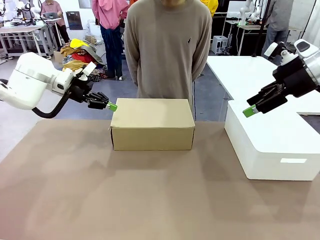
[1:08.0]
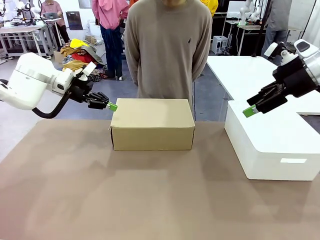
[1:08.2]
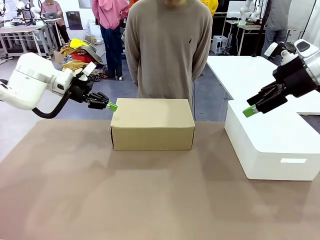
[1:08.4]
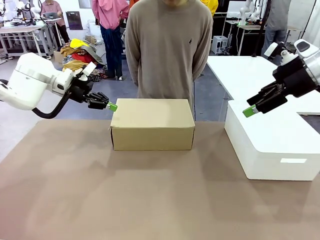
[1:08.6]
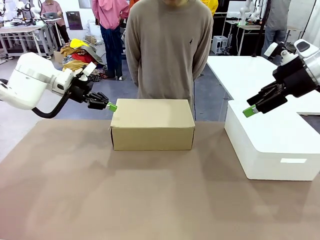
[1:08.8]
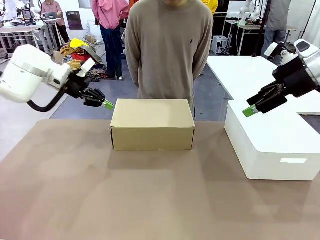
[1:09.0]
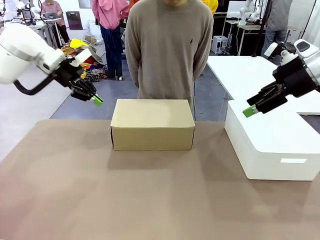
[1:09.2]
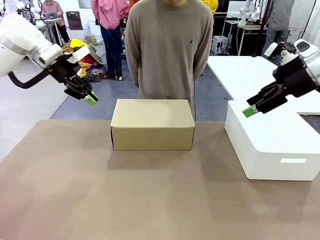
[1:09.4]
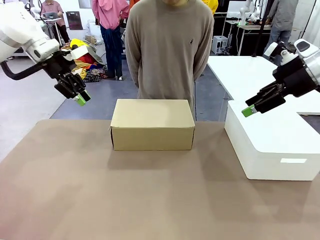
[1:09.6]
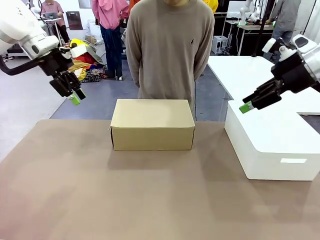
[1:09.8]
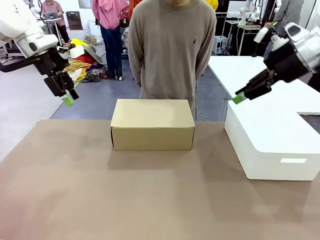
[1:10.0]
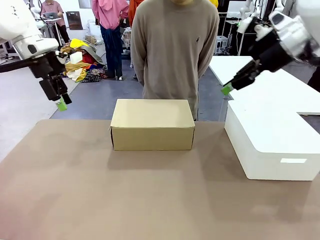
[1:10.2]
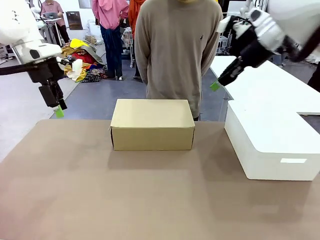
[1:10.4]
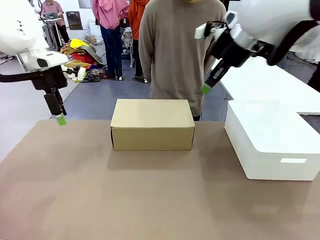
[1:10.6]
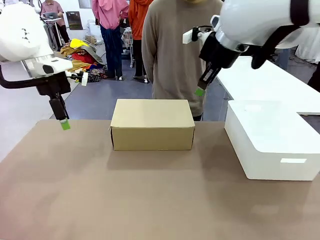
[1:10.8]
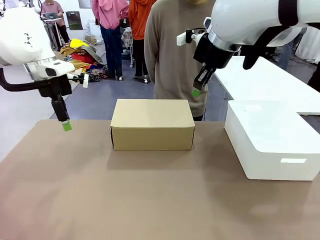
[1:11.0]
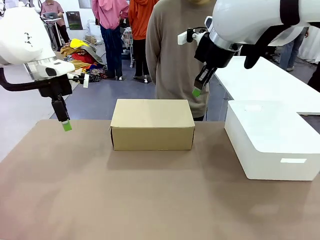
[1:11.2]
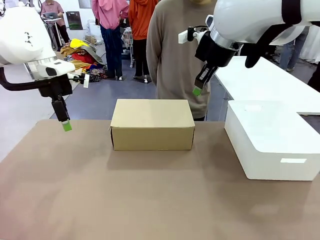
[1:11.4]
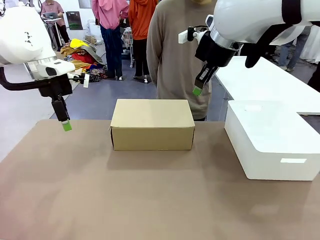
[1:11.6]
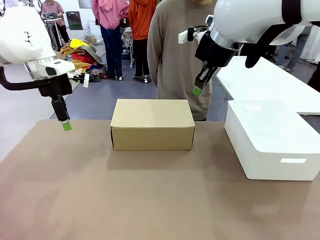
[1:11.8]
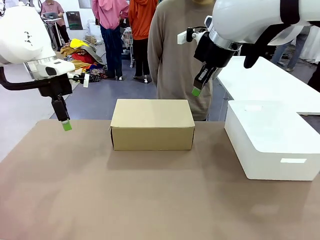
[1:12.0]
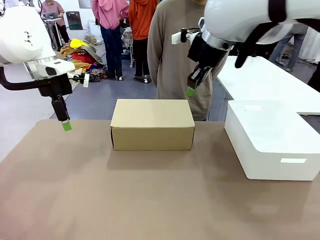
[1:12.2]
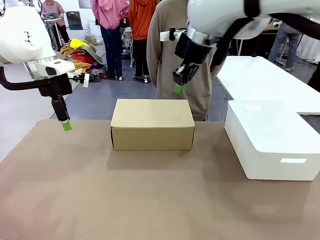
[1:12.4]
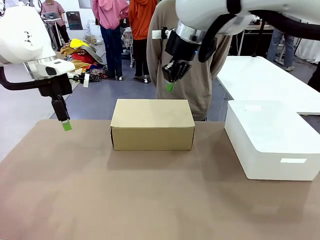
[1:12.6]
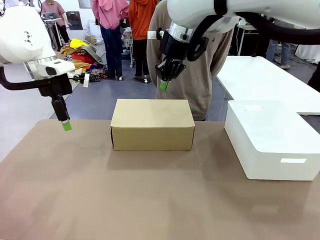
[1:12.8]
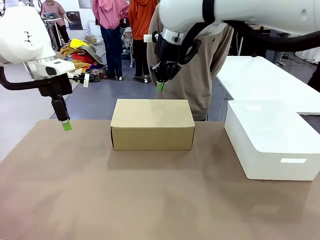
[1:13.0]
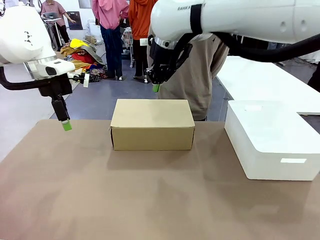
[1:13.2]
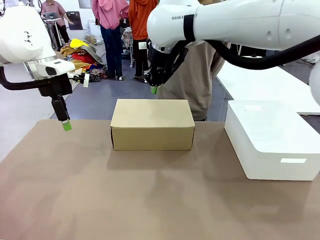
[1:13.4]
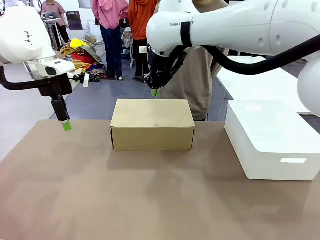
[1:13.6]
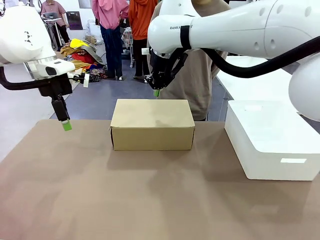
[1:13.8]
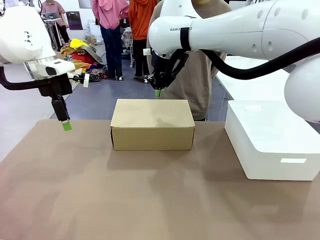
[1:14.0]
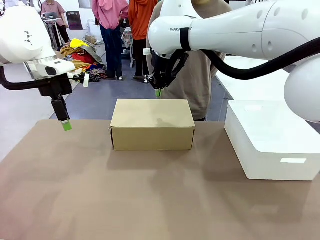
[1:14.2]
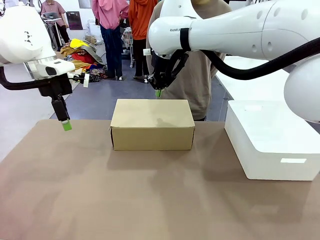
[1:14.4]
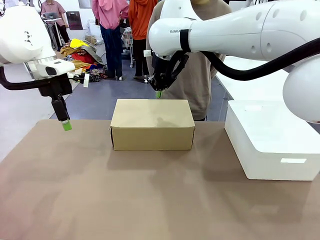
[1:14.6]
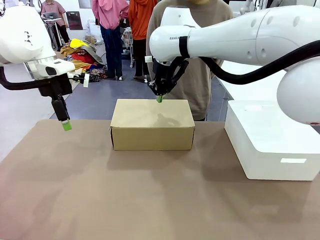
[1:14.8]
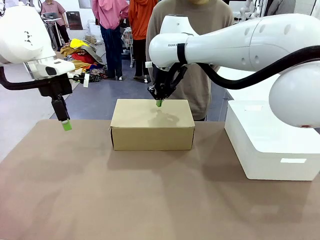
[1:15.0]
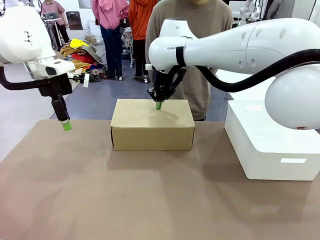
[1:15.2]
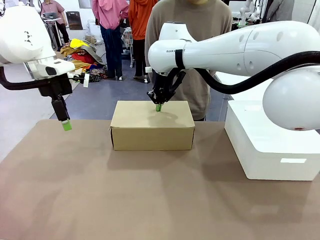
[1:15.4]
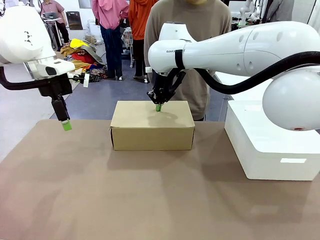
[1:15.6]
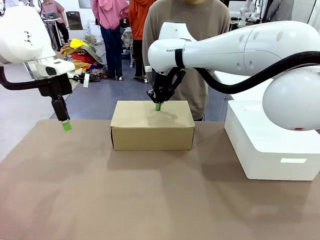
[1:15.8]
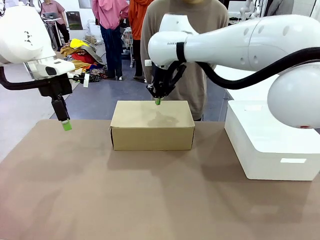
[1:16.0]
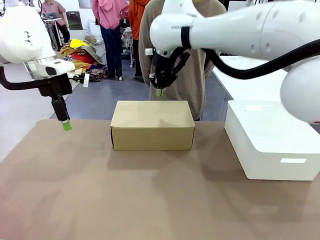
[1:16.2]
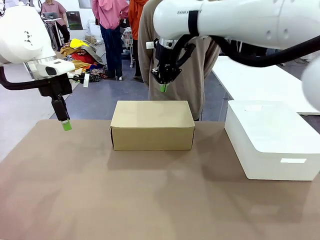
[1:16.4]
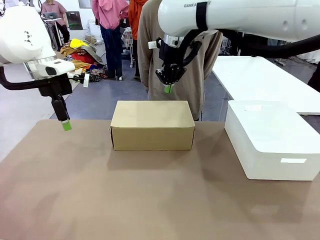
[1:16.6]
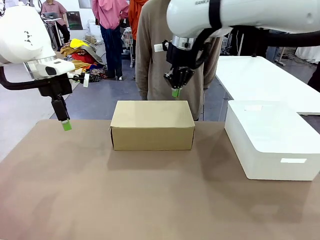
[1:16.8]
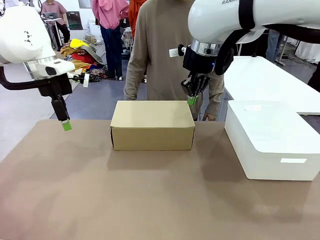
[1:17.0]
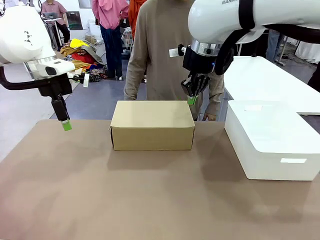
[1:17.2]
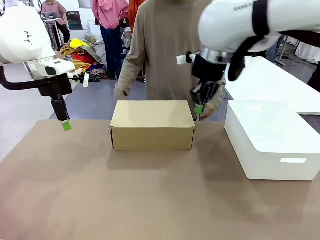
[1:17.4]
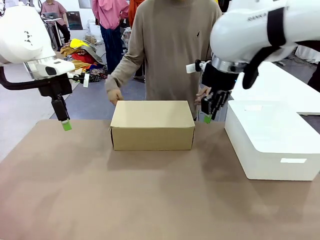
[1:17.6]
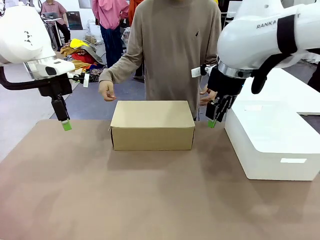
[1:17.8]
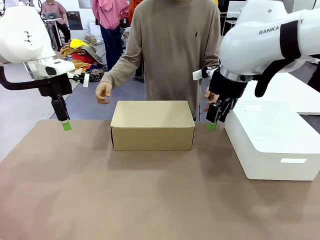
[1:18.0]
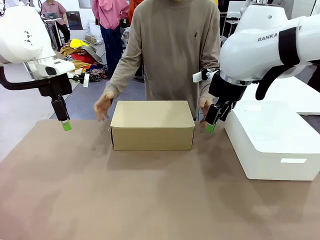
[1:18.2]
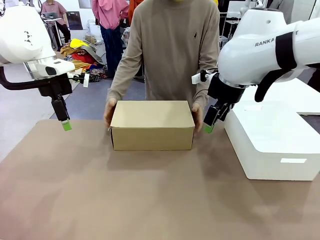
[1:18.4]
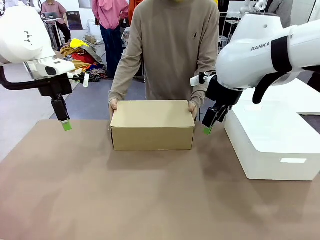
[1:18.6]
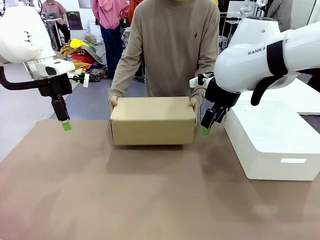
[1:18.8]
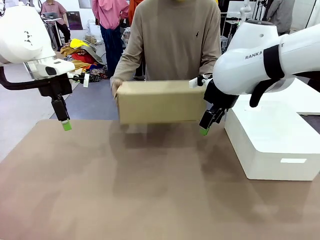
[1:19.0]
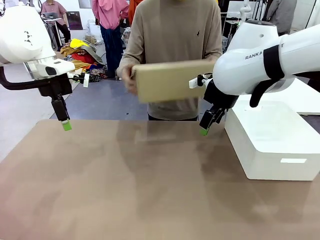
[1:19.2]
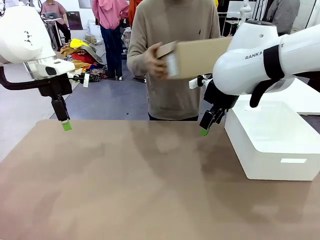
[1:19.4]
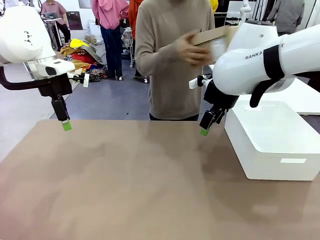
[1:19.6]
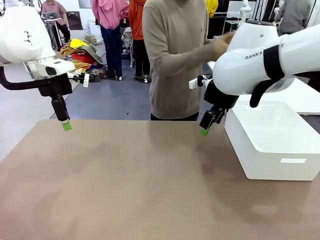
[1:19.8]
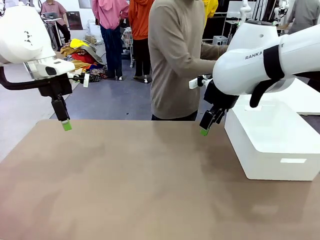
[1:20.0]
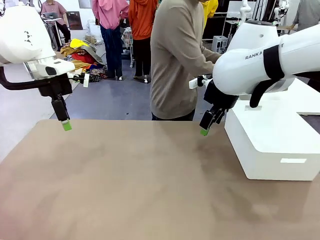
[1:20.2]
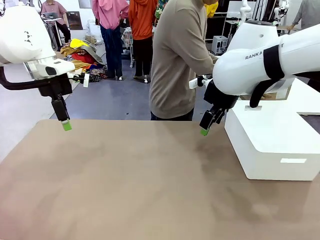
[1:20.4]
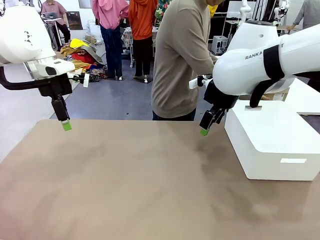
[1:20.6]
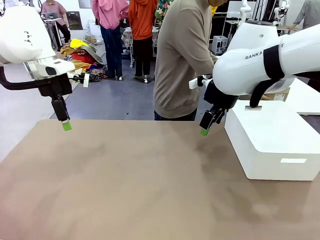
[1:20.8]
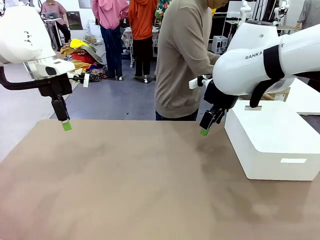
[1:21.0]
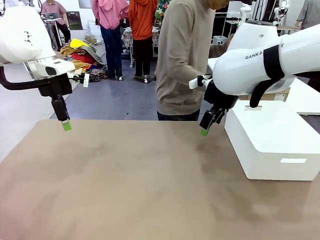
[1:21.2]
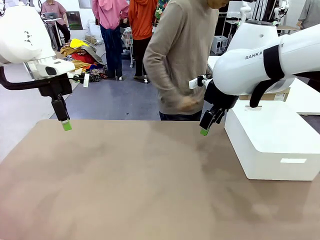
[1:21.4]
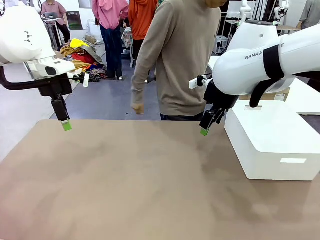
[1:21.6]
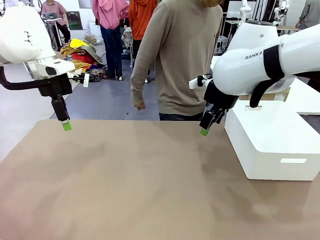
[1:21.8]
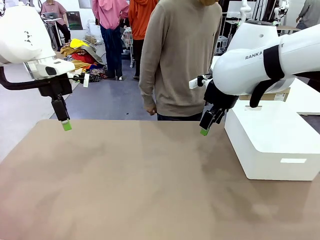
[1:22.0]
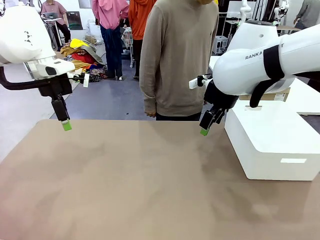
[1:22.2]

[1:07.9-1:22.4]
Task: Pack the shoes into the box.
Robot: Press down on the lid of the Shoes Box.
Person: Place the closed Shoes Box to the right side of the human table.
